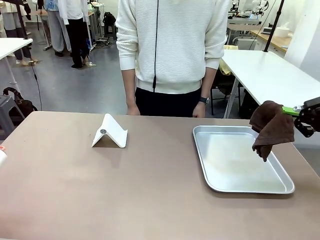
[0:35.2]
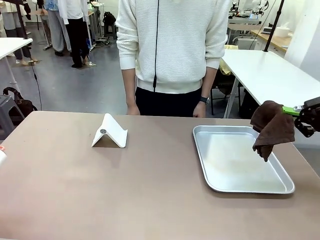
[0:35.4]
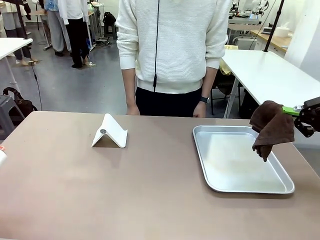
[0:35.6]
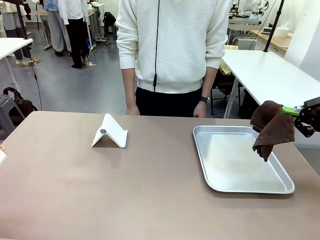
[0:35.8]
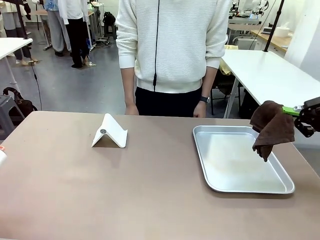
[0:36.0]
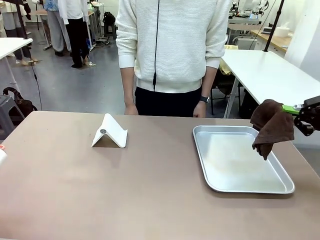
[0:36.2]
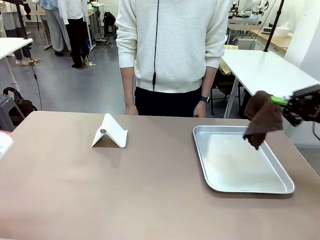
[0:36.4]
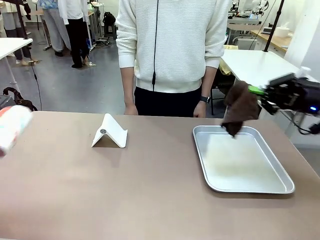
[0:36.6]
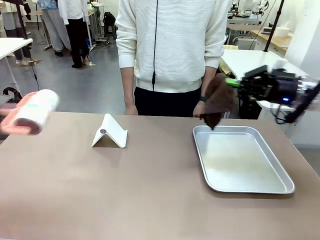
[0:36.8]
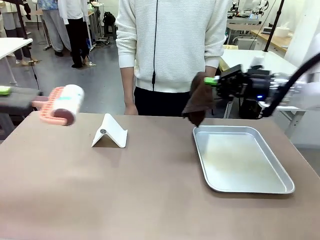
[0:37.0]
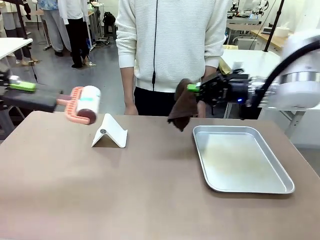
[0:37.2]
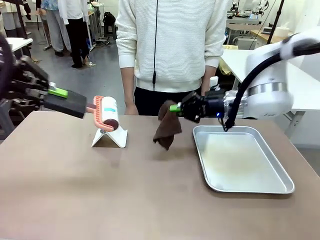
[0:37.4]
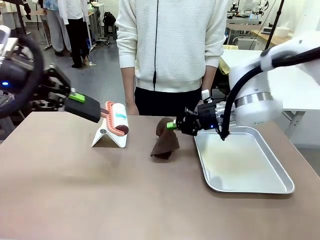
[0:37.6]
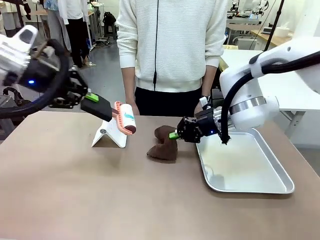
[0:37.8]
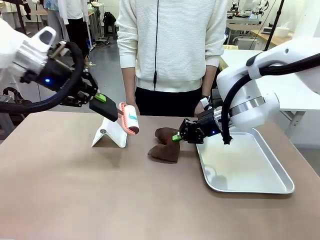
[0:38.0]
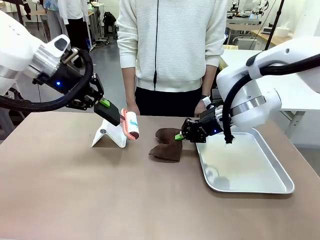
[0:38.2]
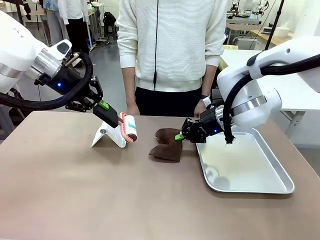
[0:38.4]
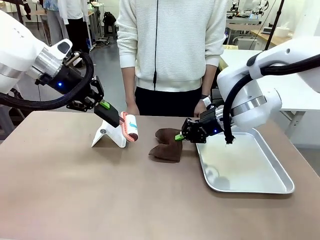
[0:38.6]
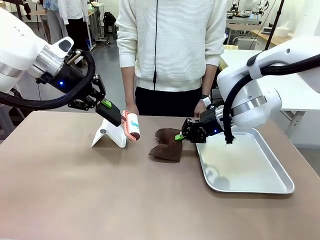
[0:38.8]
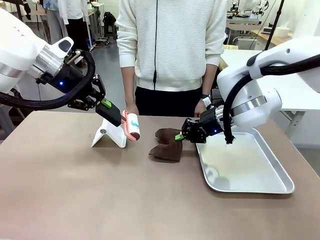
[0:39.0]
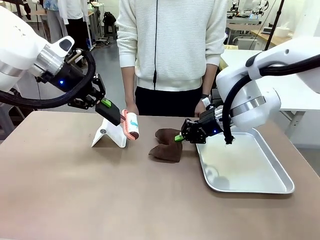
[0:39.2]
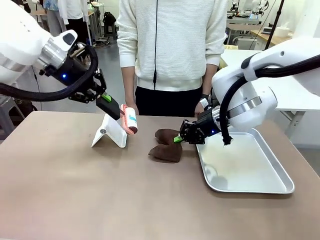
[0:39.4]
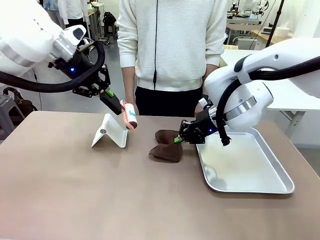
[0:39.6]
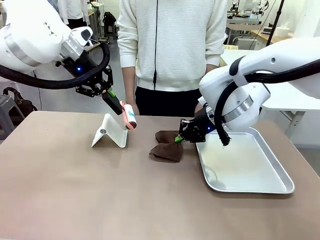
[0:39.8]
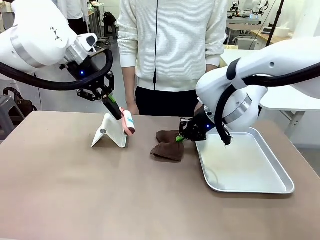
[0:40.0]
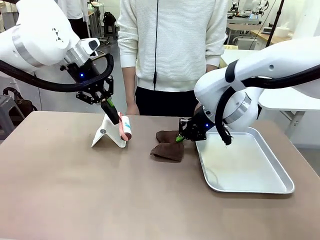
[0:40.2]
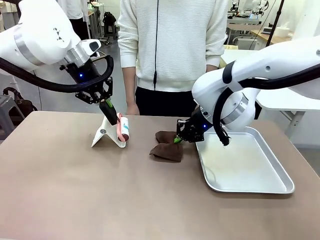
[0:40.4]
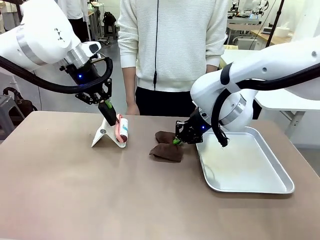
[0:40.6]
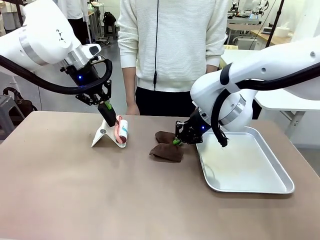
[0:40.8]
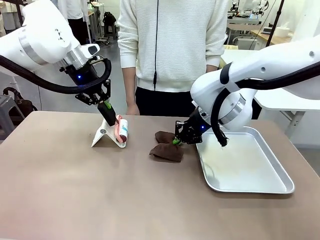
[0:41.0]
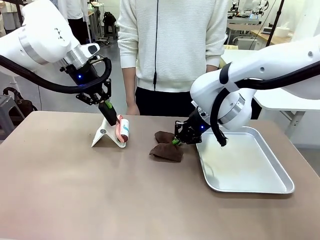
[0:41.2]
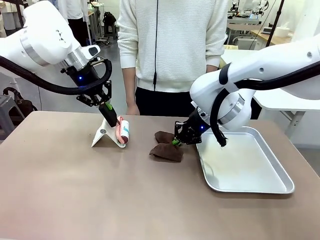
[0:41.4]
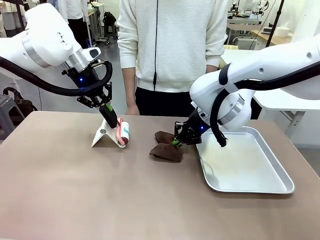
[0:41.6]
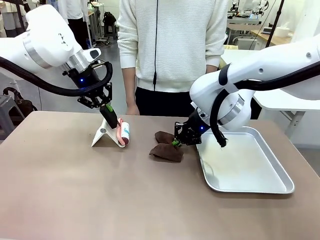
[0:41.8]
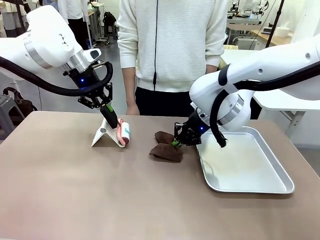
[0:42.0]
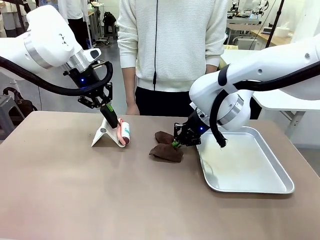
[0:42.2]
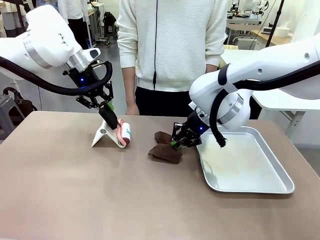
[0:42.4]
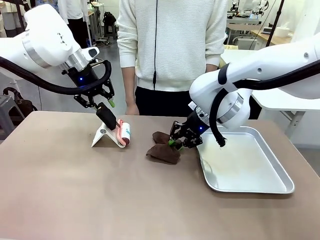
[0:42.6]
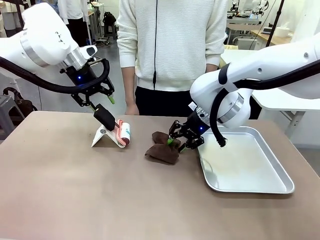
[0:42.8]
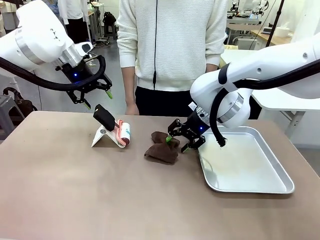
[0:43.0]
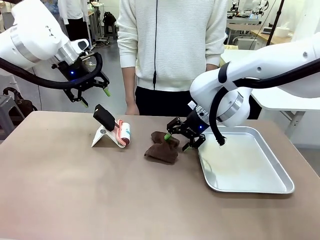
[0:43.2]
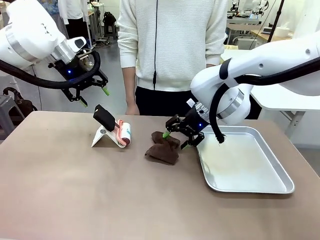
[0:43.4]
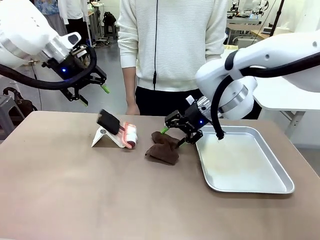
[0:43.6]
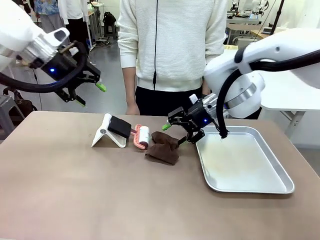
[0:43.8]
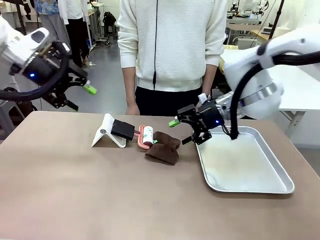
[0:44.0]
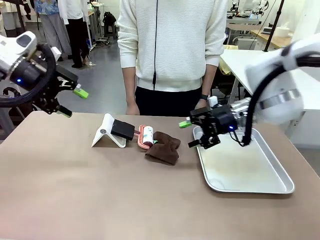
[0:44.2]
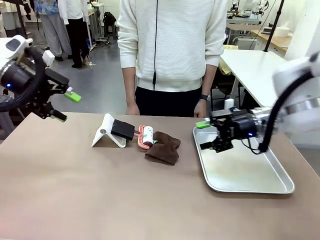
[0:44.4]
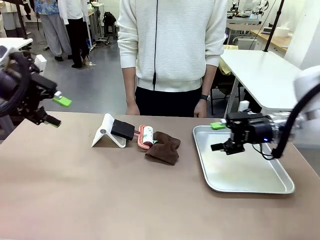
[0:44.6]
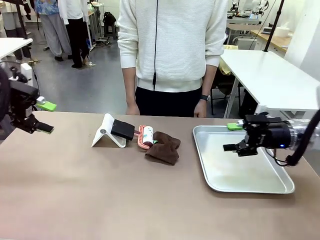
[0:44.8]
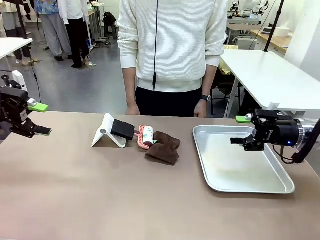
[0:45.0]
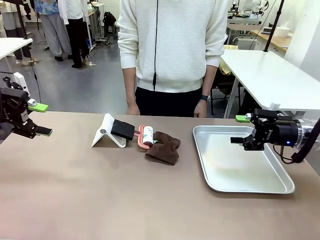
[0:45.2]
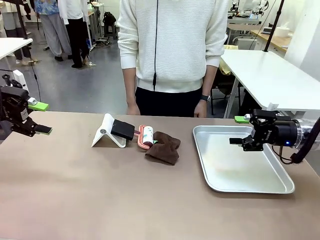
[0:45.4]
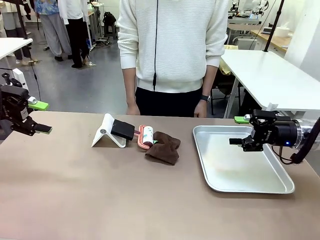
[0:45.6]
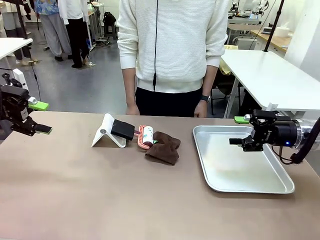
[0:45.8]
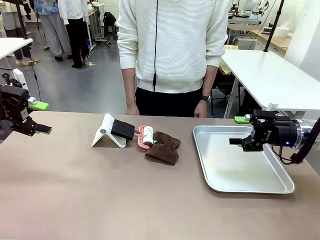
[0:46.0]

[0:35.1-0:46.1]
Task: Clean the surface of the table.
Robot: Return the Lint Roller and towel to their original positions.

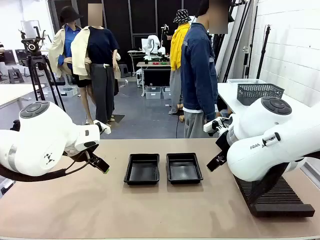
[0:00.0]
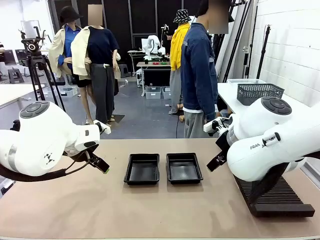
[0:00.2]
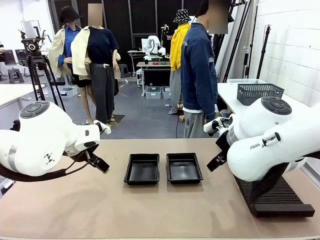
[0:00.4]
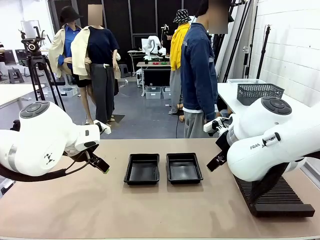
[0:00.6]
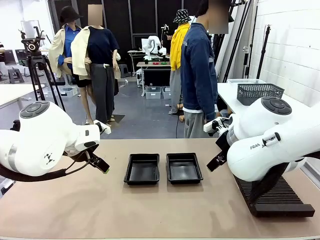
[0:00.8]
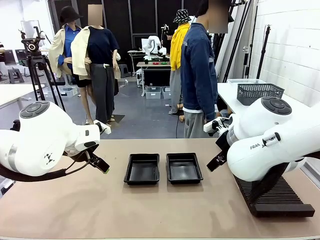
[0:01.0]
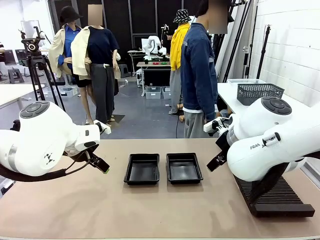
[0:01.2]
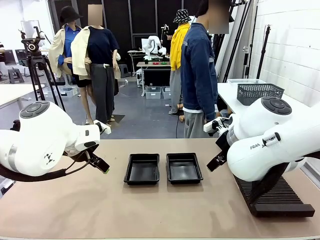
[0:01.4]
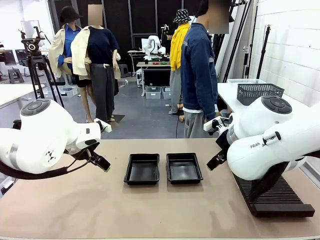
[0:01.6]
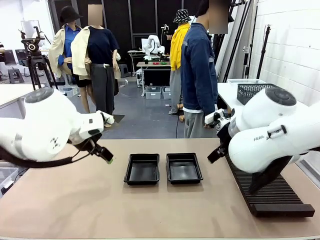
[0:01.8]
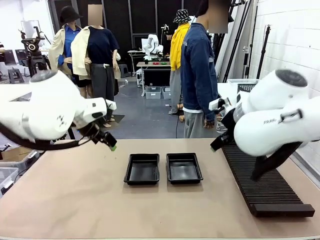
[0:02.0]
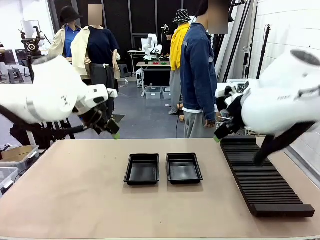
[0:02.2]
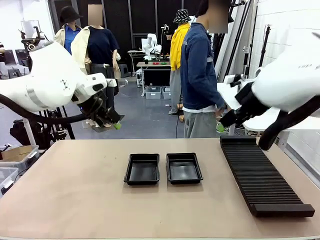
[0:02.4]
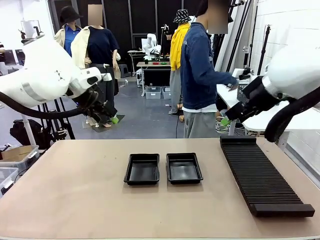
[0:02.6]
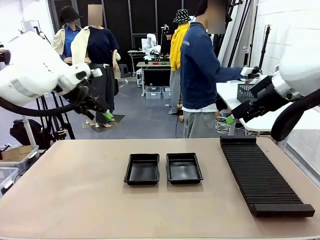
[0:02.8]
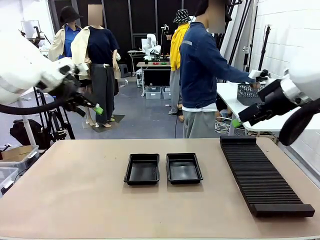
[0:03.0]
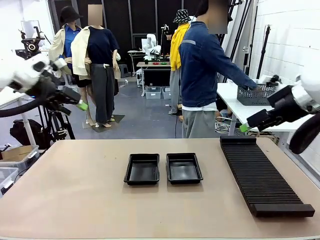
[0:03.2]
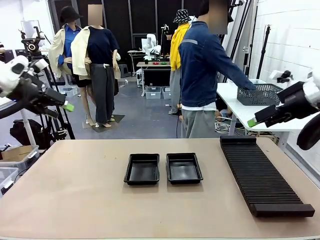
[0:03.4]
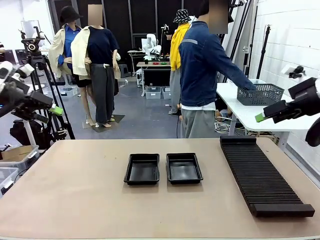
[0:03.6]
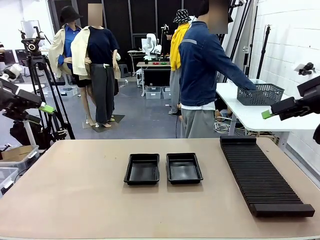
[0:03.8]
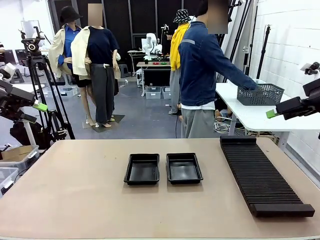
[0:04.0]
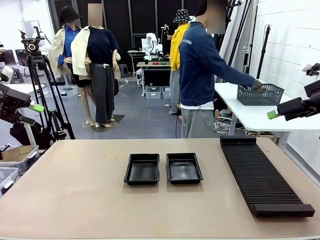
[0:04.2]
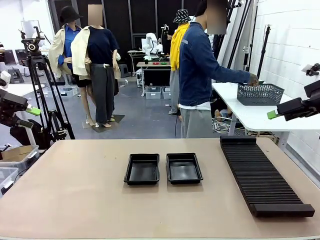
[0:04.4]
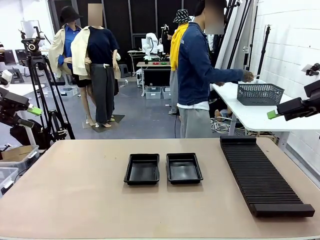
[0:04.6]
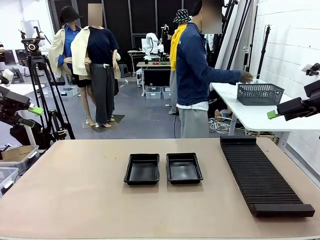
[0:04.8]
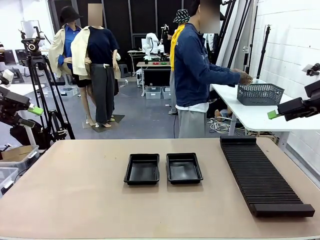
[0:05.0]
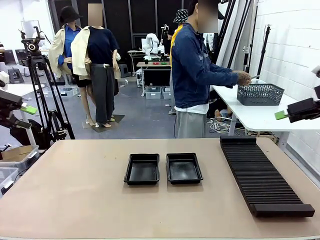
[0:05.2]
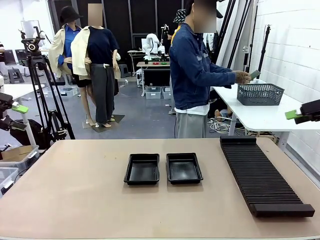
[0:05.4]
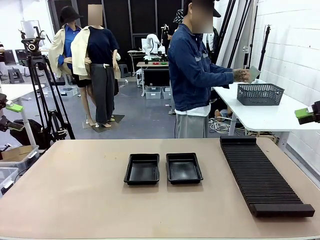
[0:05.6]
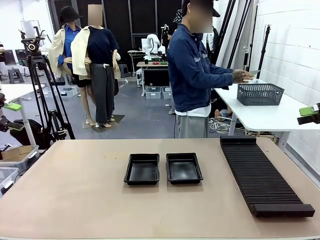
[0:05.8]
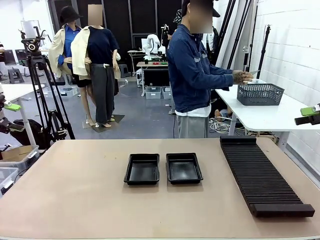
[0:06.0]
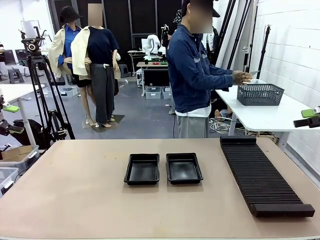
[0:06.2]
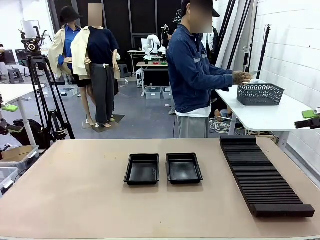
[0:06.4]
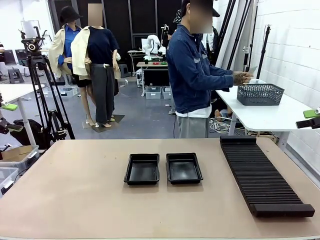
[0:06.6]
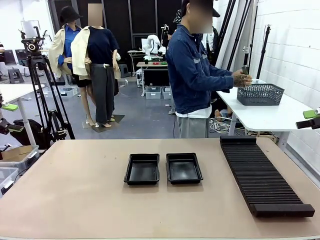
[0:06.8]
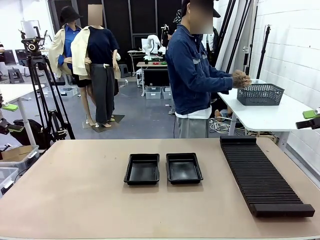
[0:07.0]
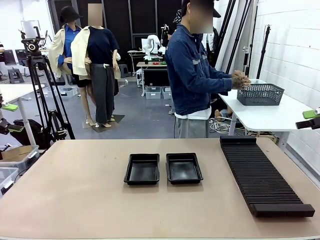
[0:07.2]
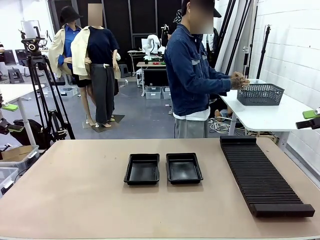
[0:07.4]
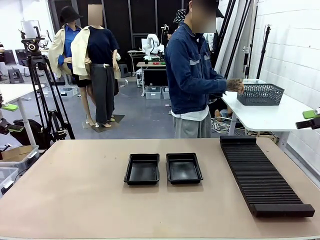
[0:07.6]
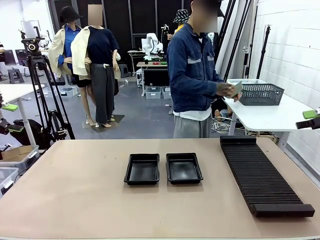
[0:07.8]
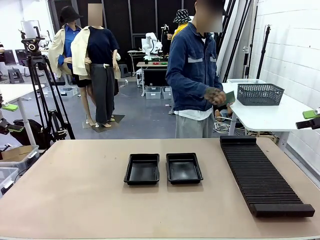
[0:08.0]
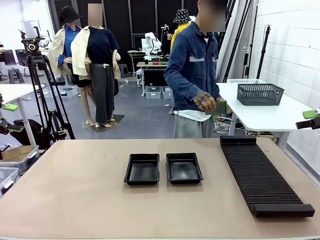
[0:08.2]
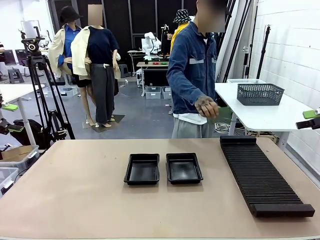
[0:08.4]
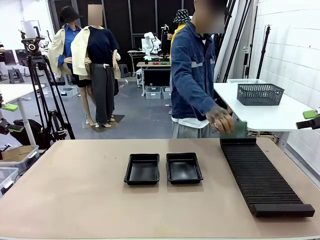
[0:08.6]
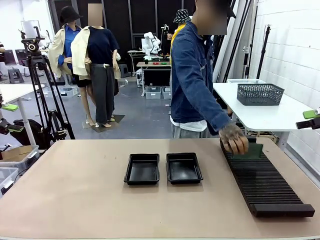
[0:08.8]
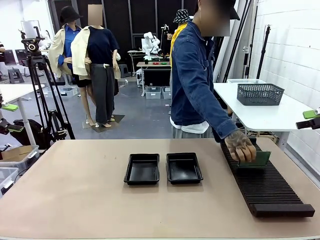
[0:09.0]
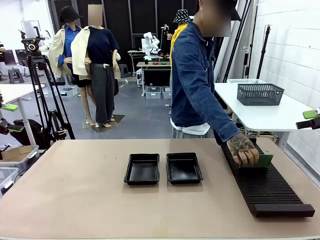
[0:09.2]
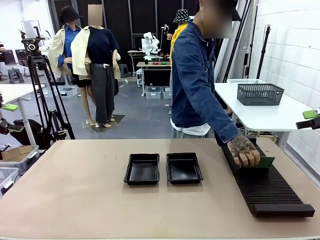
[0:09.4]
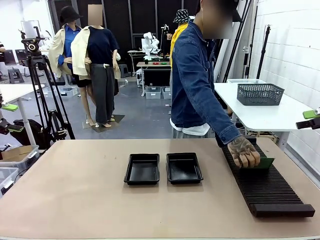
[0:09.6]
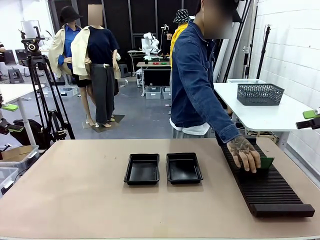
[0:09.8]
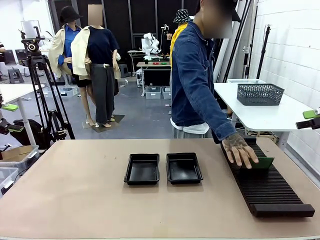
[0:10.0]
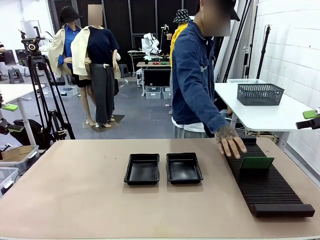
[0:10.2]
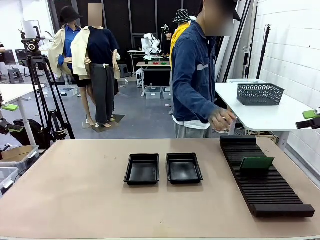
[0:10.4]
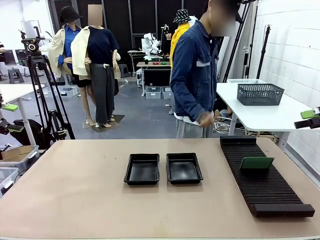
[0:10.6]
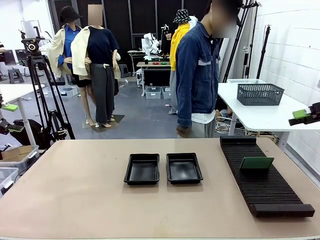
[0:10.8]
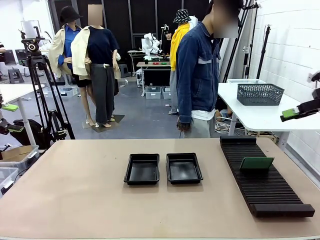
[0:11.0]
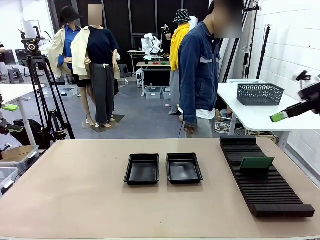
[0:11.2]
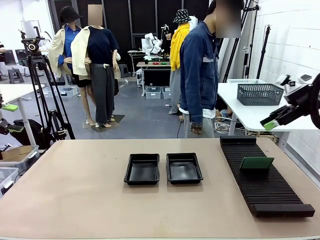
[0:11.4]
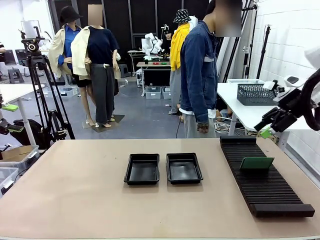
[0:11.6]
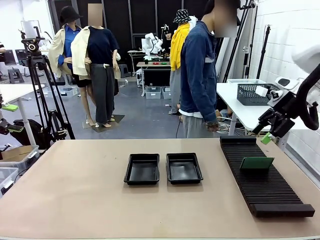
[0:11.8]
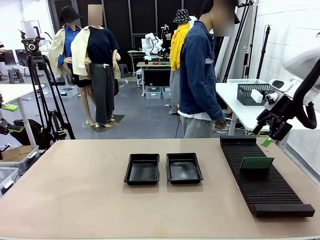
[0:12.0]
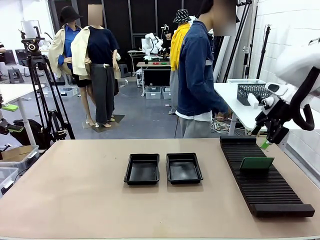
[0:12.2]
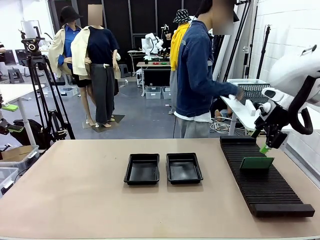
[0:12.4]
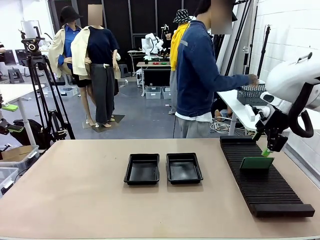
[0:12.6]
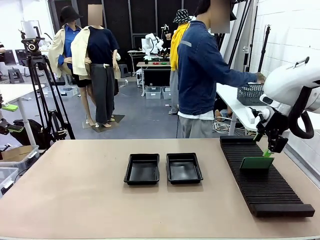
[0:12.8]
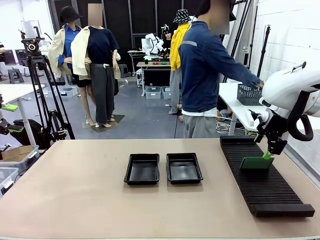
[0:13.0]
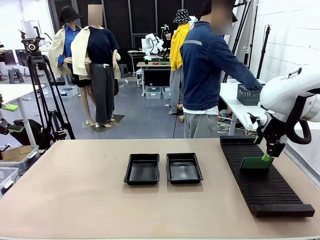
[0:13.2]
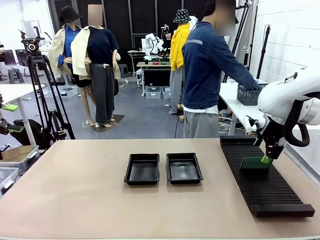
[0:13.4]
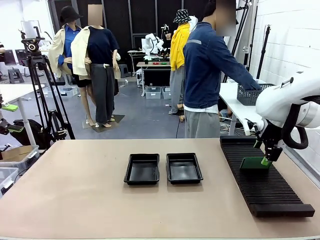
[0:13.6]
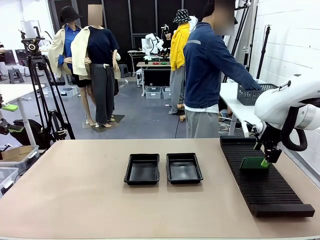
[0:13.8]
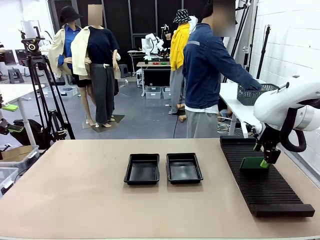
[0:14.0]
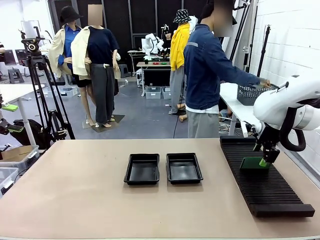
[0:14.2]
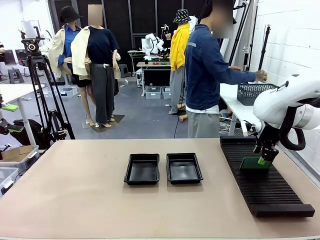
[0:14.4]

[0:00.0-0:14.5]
Task: Inspect and transfer BCBs to ESD trays.
Robot: Pick up the Blank PCB from the PCB Rack and place it in the left ESD tray.
